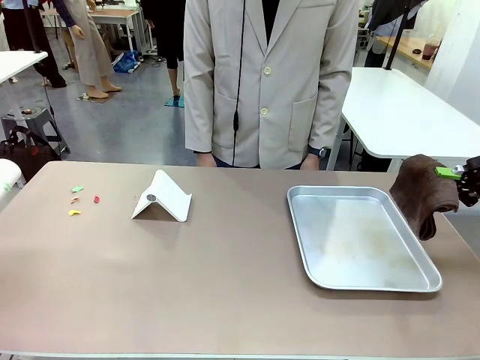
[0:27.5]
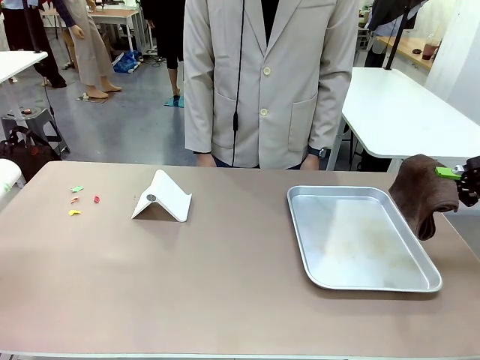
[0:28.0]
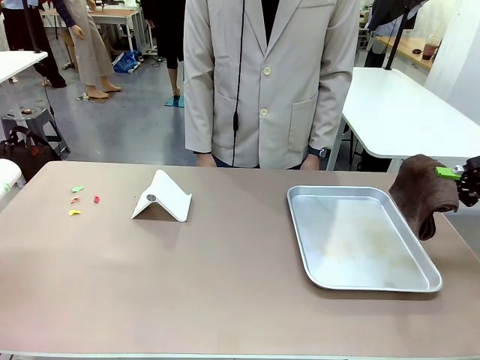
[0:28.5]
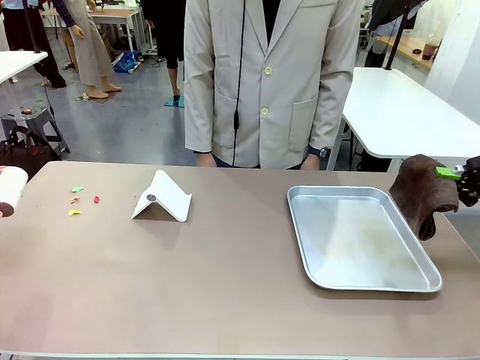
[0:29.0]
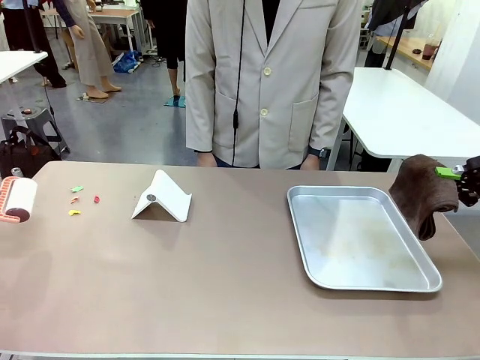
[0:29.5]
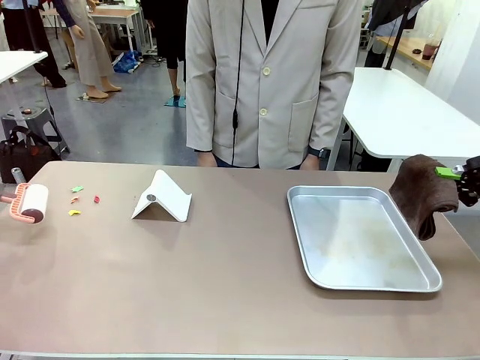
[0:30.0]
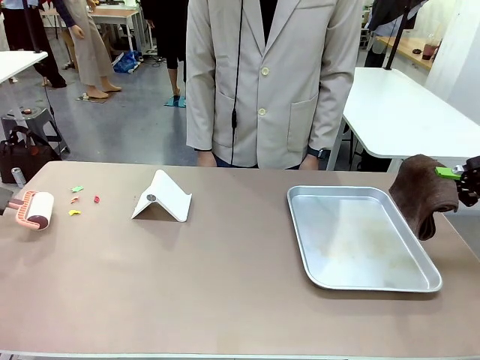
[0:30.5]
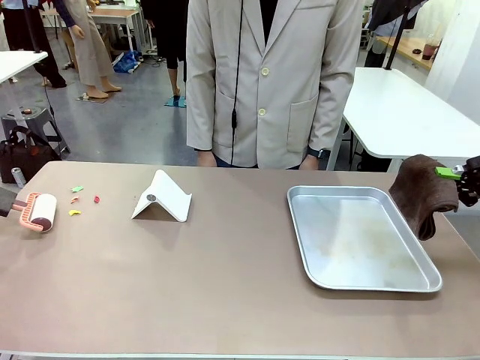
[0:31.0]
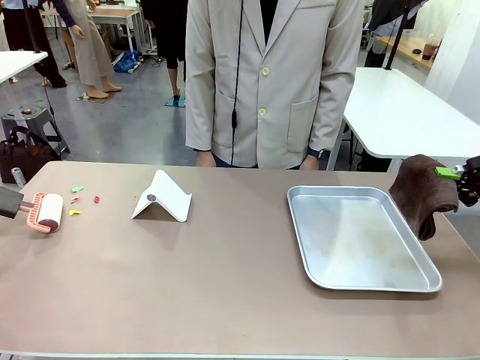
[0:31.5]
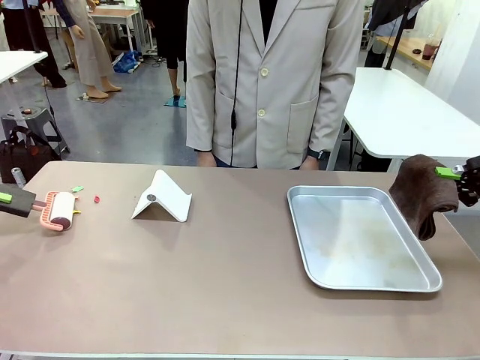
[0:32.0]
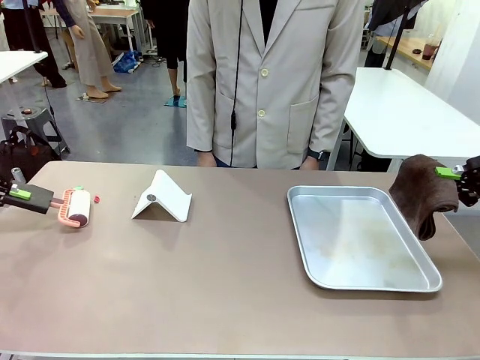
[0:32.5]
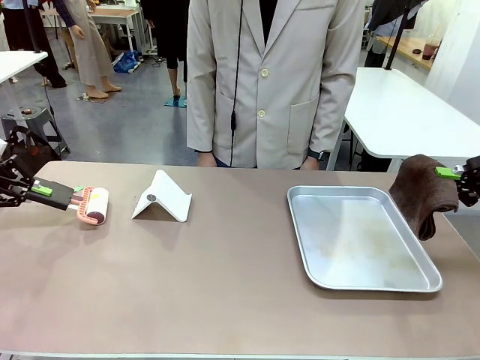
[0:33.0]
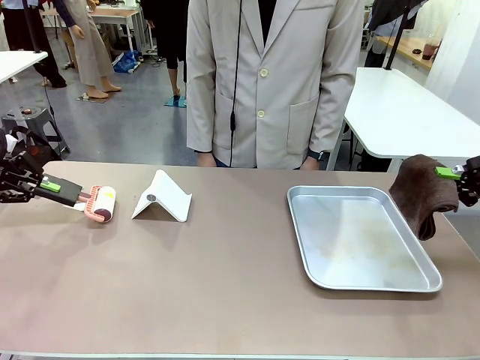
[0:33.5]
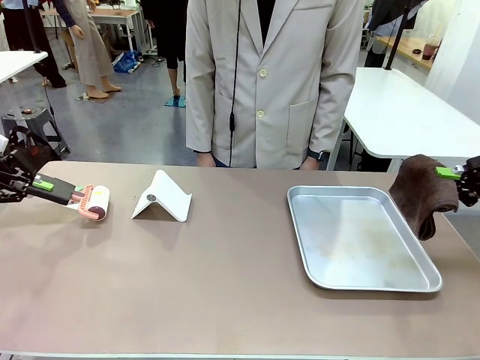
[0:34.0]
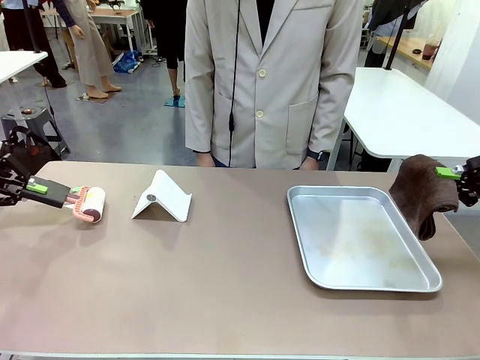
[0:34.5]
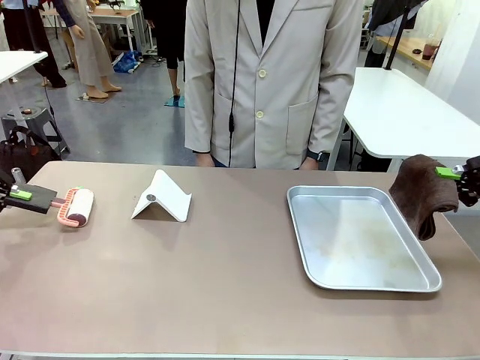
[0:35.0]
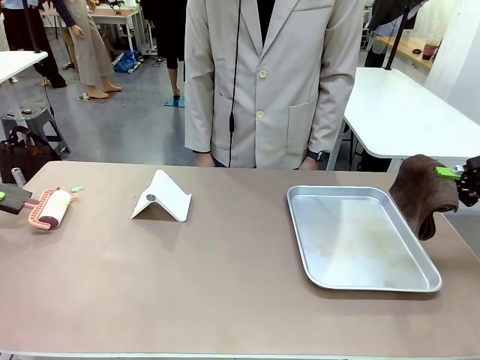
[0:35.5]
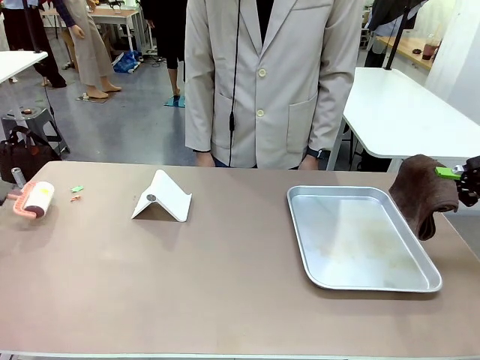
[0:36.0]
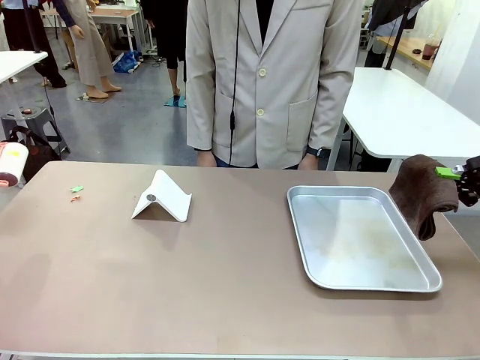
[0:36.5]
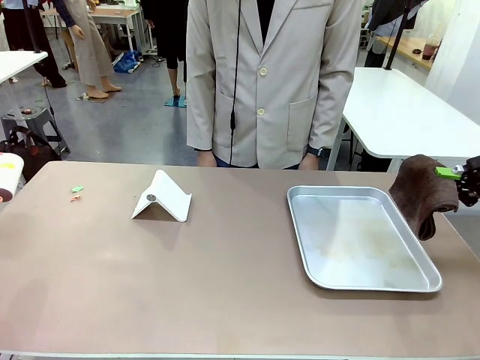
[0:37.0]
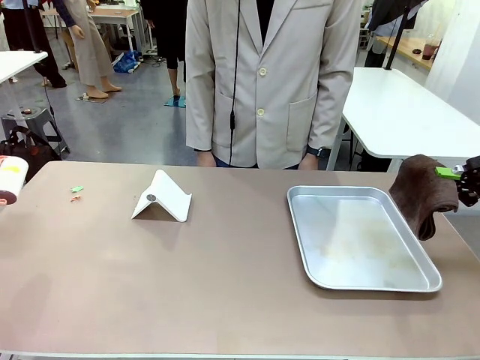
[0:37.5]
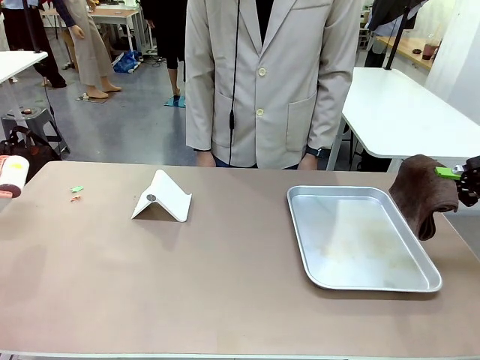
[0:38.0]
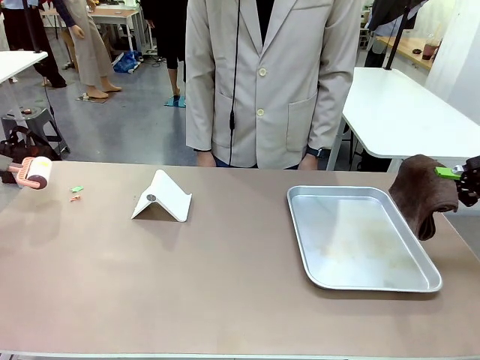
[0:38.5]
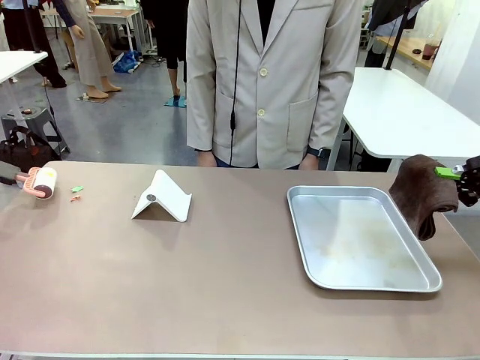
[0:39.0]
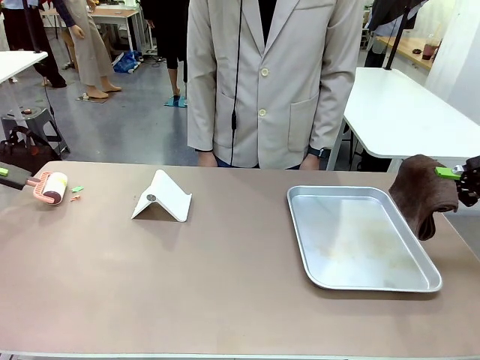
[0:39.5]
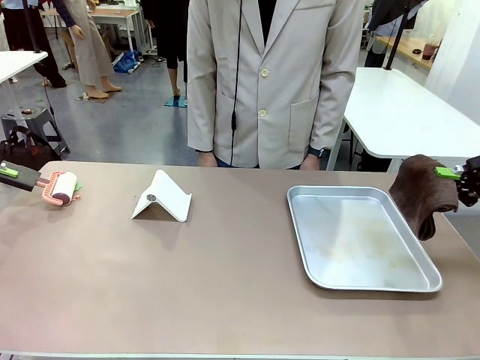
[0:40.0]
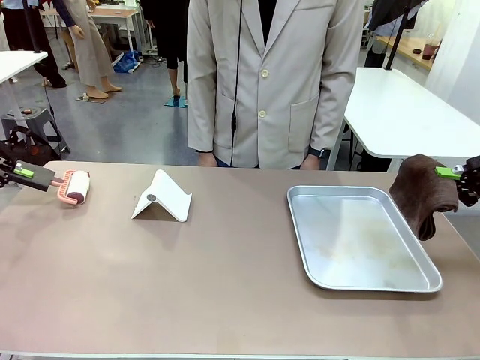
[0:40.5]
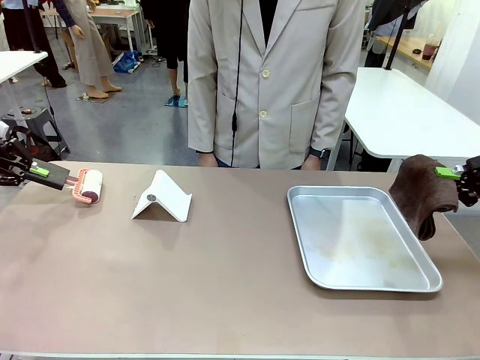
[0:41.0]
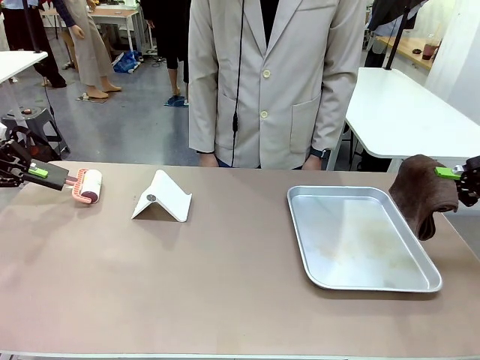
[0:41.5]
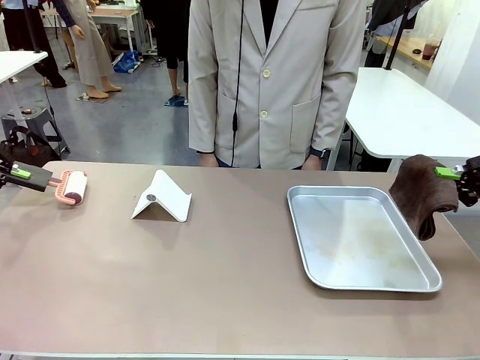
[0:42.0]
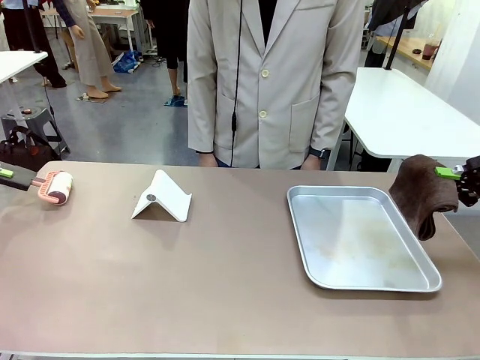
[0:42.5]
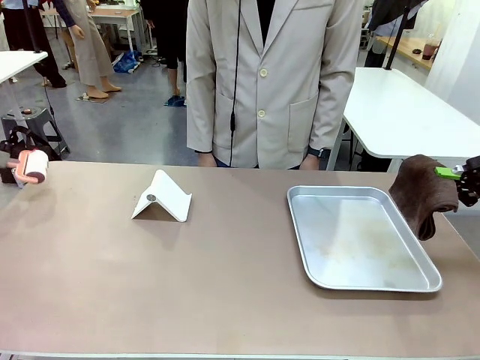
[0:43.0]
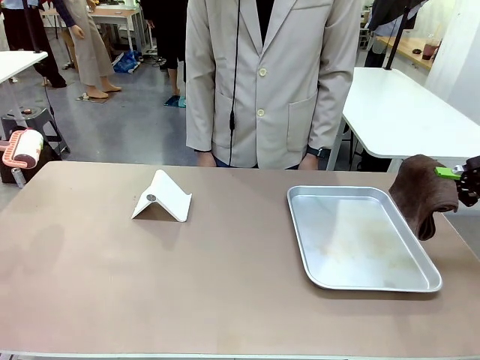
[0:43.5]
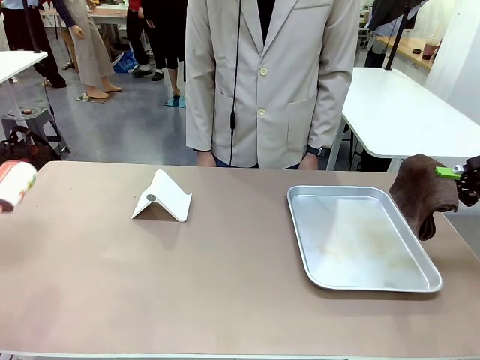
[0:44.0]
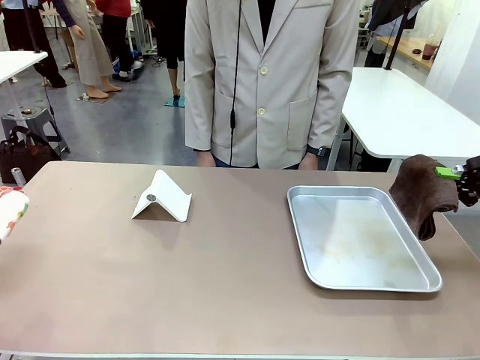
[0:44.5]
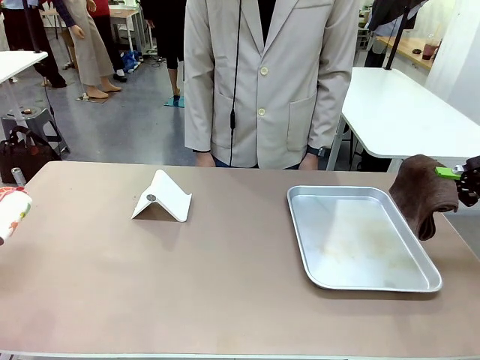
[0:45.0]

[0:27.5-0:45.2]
Task: Clean the surface of the table.
Robot: Clean the area not pointed to by the person.

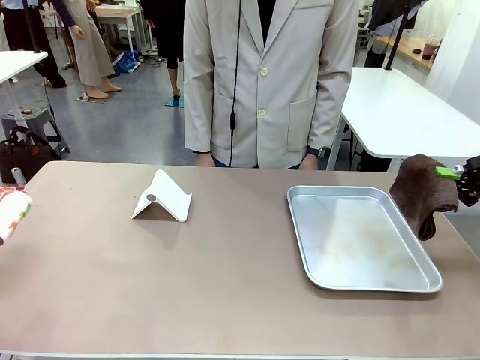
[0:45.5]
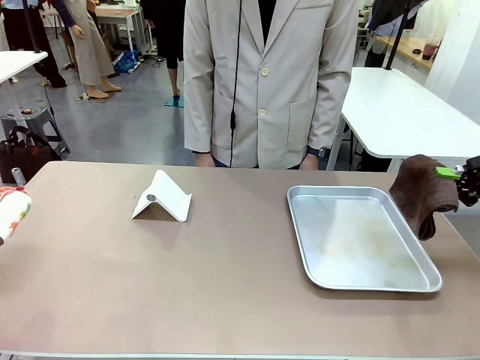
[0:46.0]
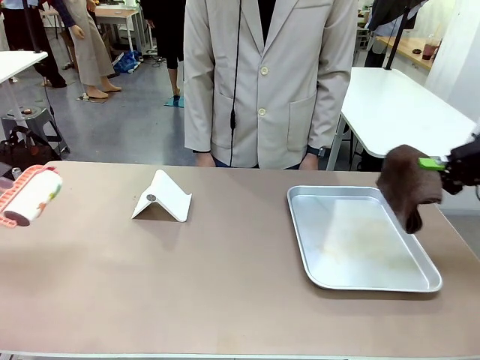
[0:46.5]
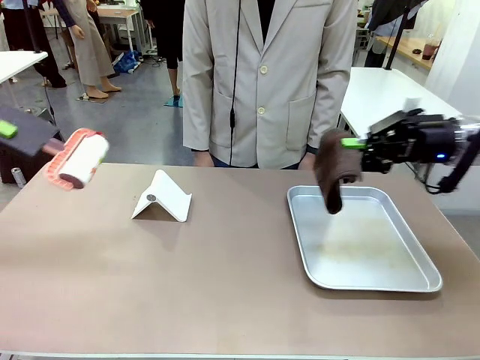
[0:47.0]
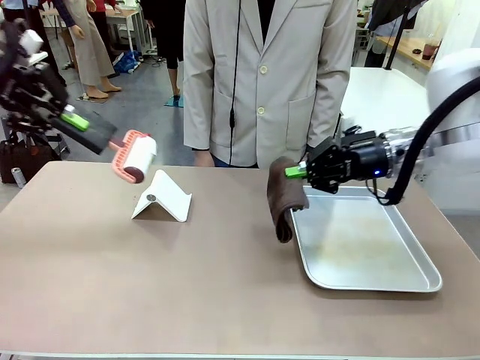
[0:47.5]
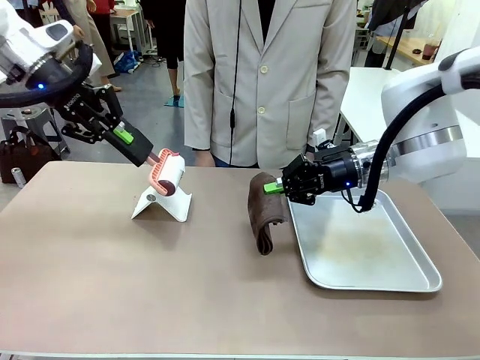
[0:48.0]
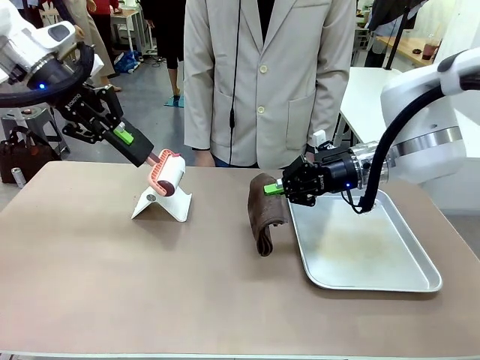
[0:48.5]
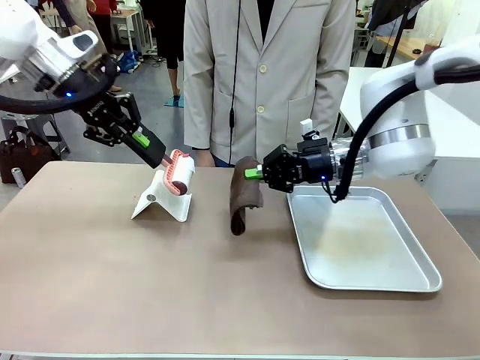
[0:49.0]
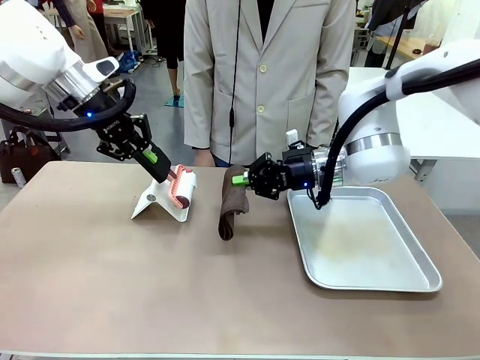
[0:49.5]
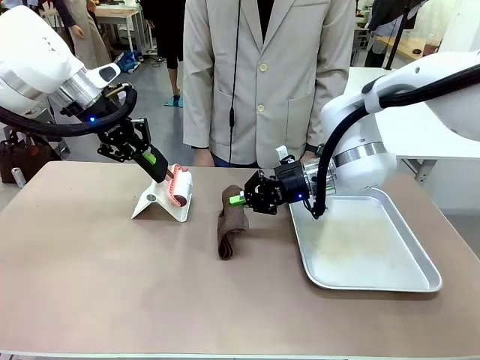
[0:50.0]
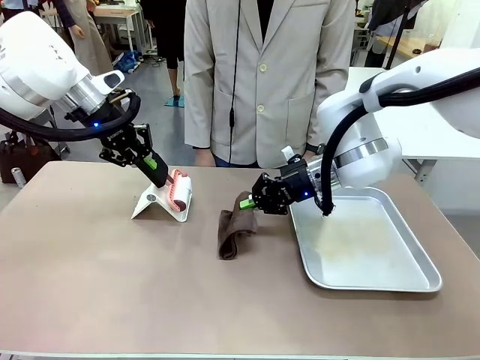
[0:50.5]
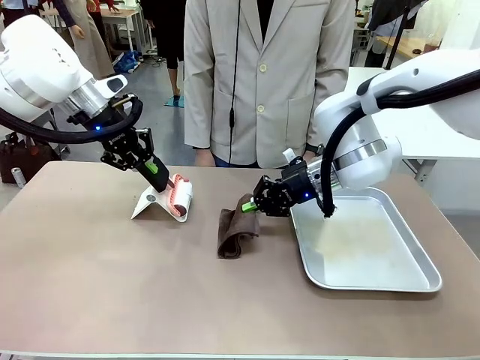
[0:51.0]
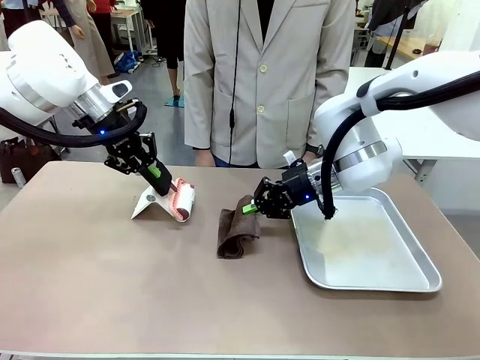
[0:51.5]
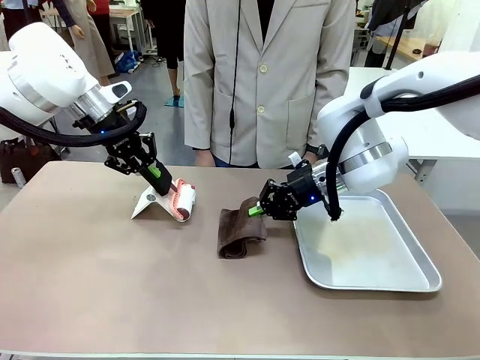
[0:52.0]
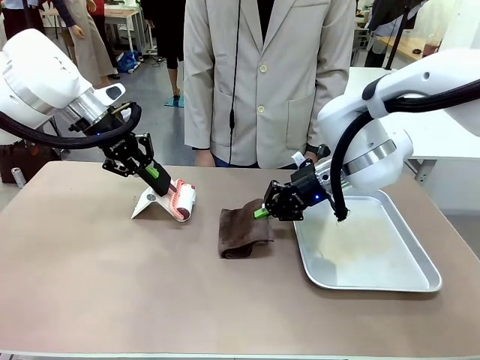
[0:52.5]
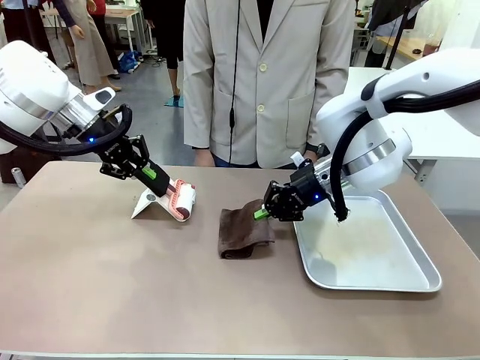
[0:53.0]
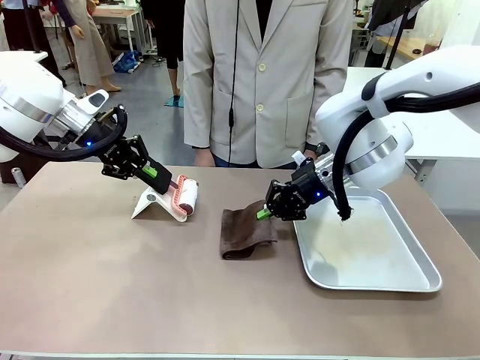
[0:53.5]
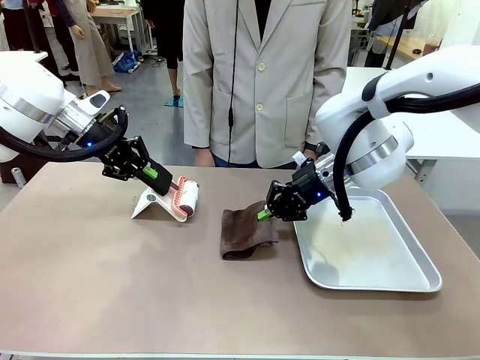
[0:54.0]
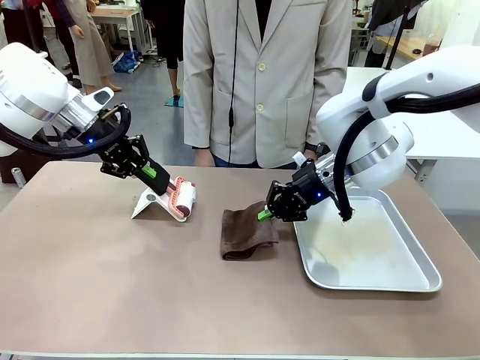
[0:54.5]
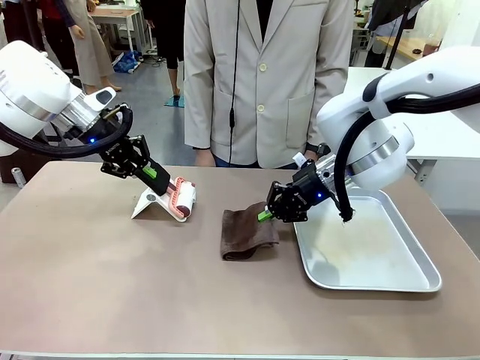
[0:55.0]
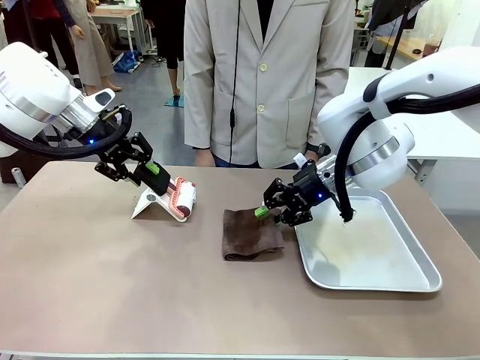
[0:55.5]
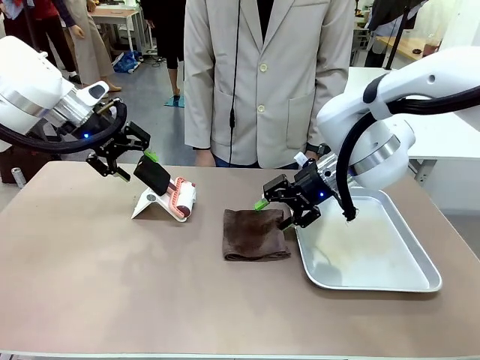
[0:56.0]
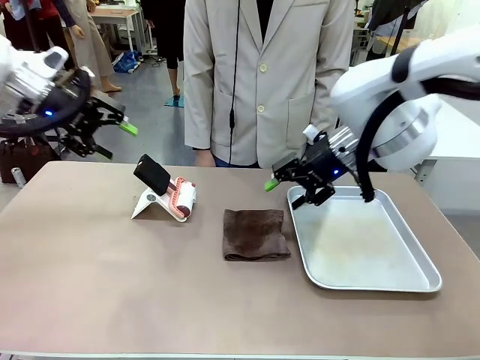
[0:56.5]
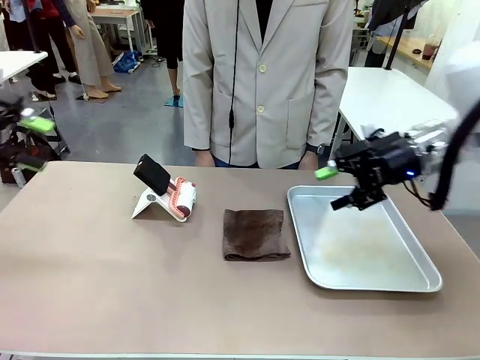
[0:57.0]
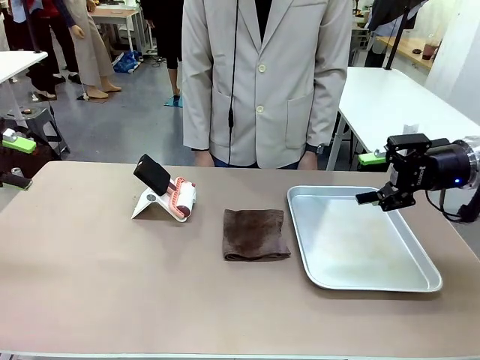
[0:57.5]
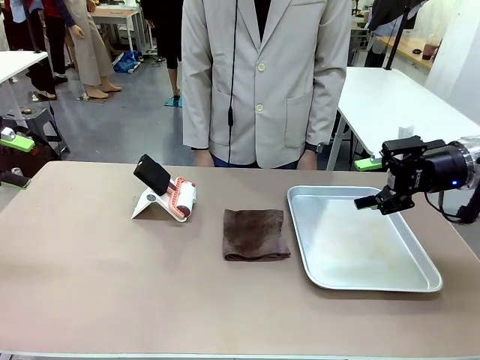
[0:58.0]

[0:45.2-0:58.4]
Robot: Return the Lint Roller and towel to their original positions.
